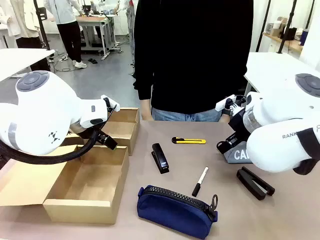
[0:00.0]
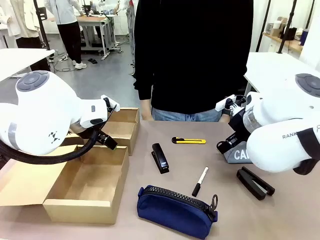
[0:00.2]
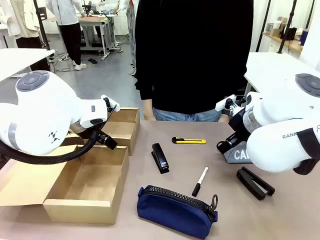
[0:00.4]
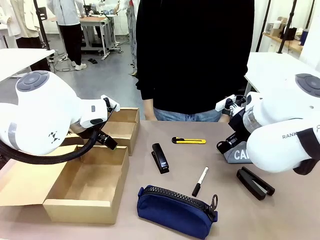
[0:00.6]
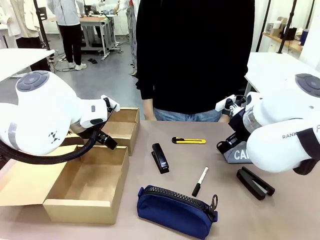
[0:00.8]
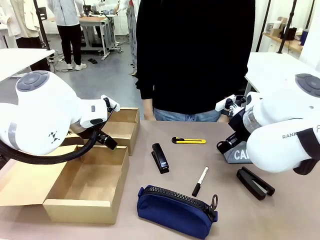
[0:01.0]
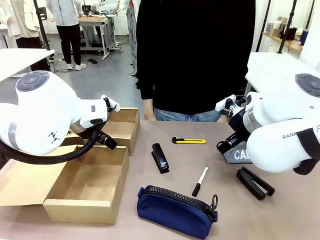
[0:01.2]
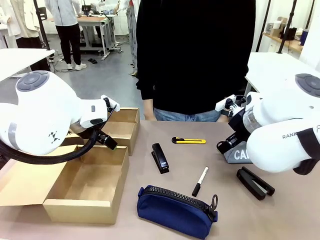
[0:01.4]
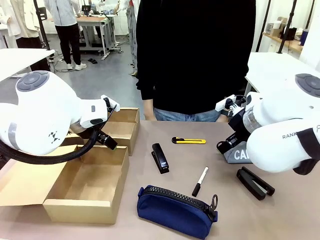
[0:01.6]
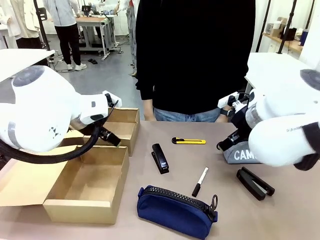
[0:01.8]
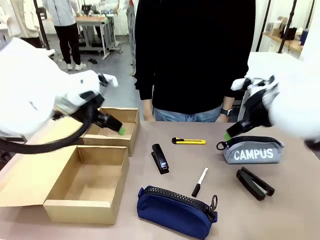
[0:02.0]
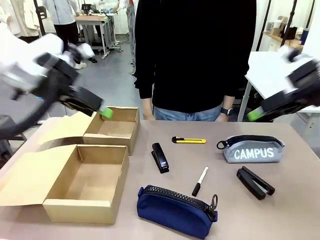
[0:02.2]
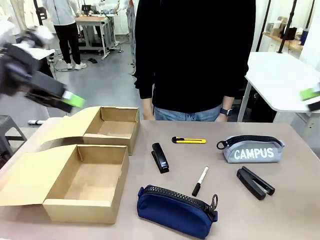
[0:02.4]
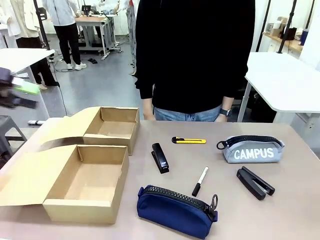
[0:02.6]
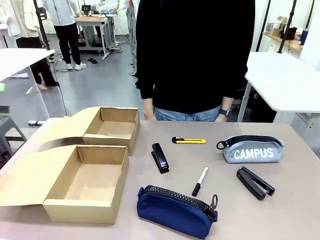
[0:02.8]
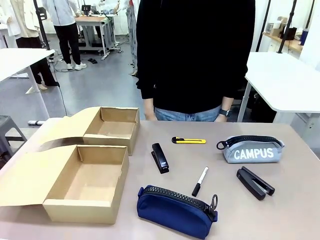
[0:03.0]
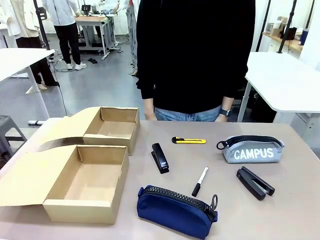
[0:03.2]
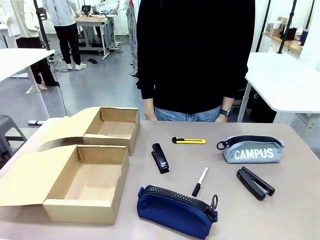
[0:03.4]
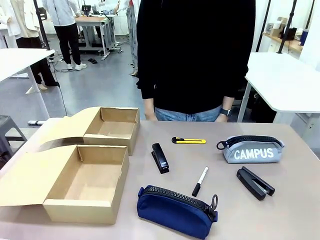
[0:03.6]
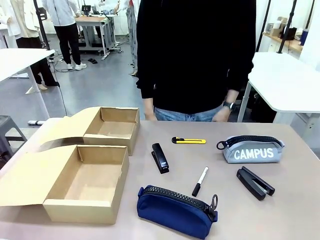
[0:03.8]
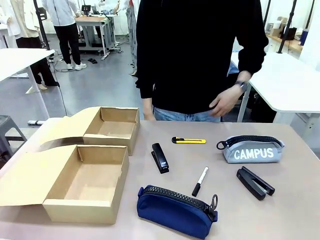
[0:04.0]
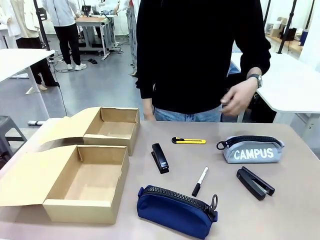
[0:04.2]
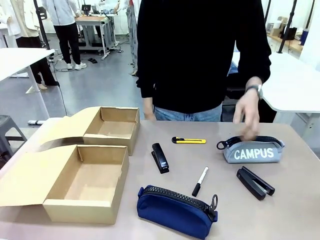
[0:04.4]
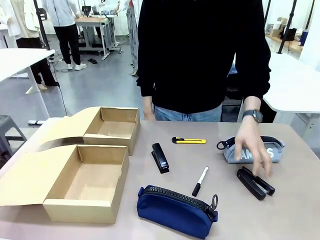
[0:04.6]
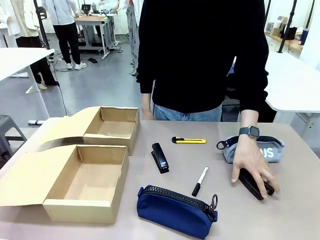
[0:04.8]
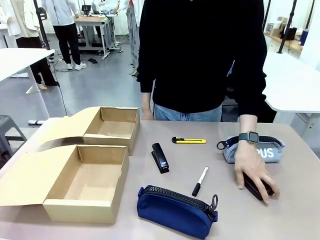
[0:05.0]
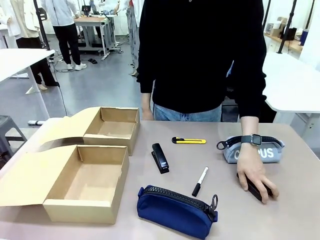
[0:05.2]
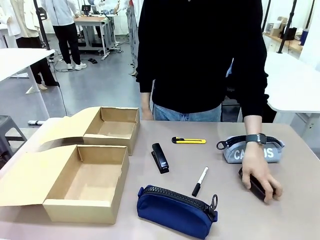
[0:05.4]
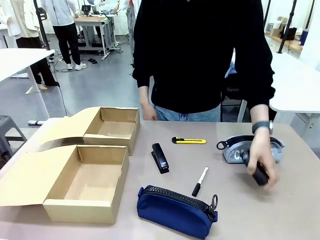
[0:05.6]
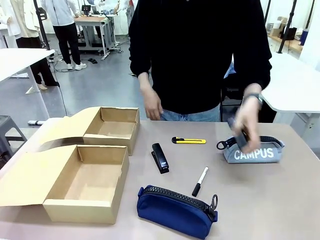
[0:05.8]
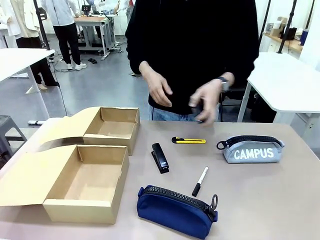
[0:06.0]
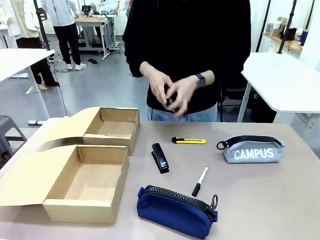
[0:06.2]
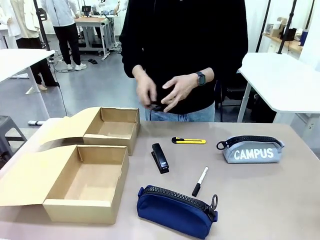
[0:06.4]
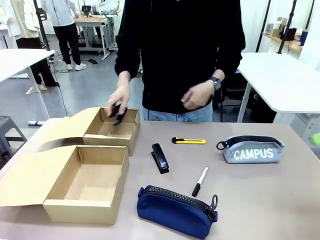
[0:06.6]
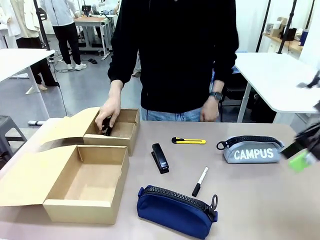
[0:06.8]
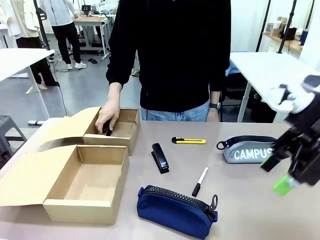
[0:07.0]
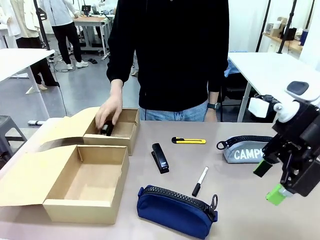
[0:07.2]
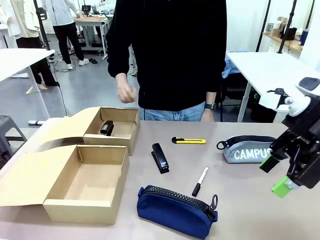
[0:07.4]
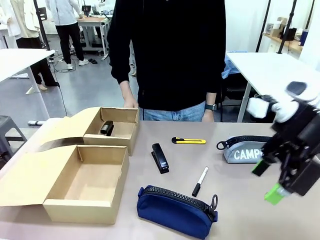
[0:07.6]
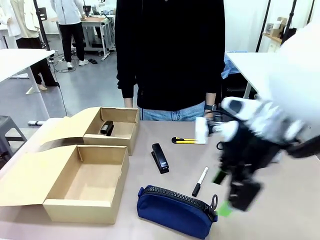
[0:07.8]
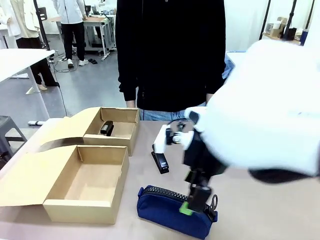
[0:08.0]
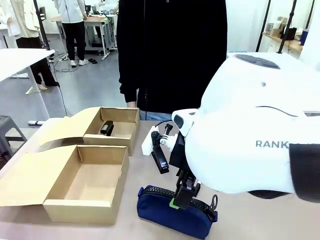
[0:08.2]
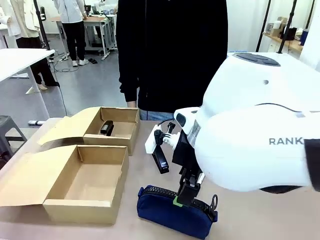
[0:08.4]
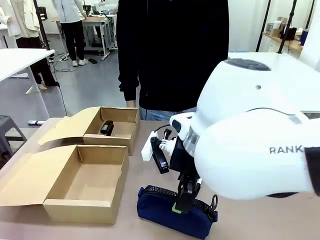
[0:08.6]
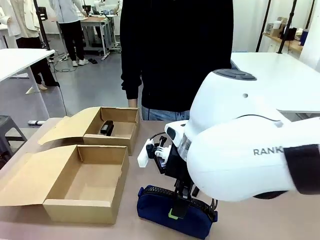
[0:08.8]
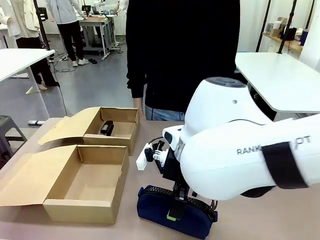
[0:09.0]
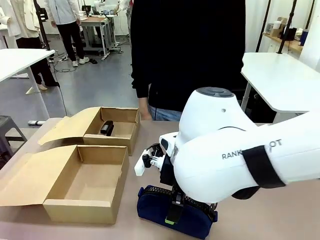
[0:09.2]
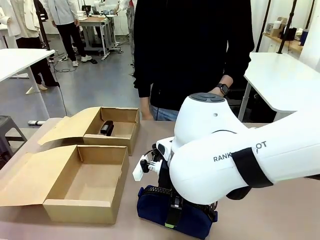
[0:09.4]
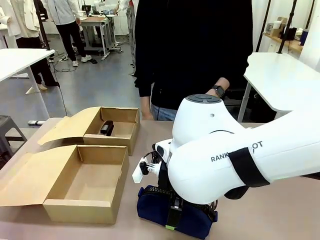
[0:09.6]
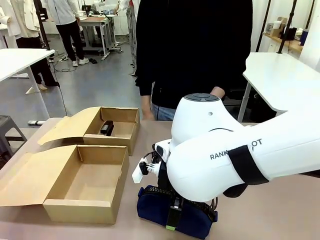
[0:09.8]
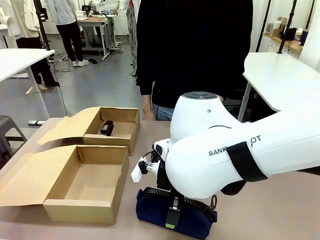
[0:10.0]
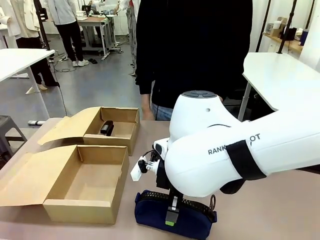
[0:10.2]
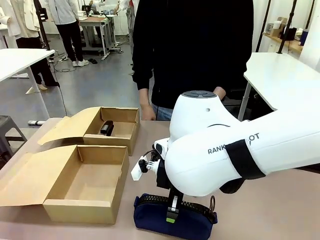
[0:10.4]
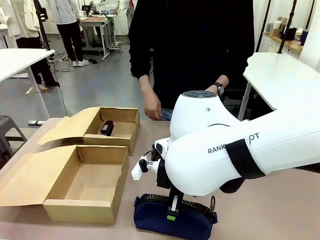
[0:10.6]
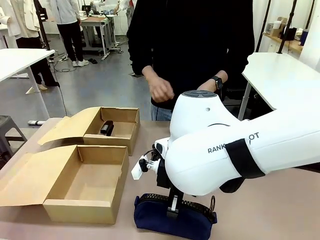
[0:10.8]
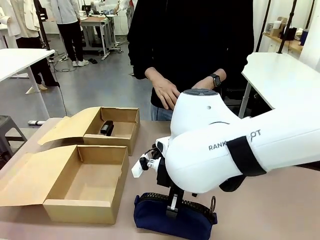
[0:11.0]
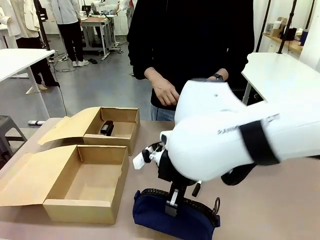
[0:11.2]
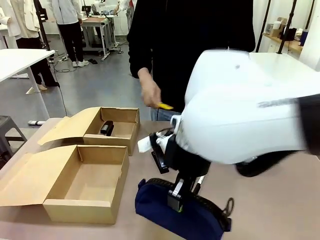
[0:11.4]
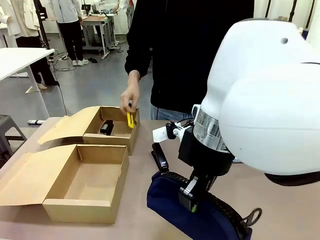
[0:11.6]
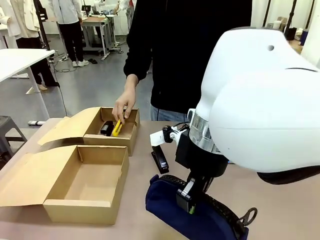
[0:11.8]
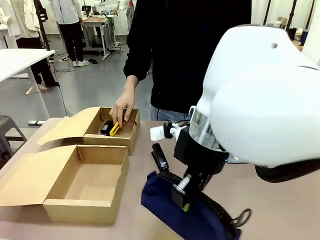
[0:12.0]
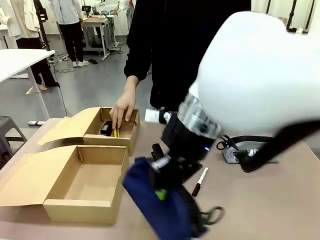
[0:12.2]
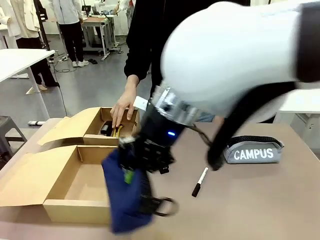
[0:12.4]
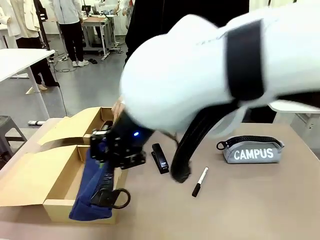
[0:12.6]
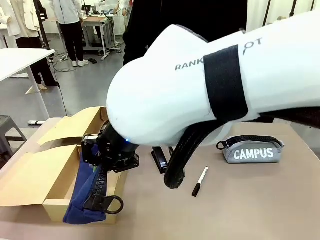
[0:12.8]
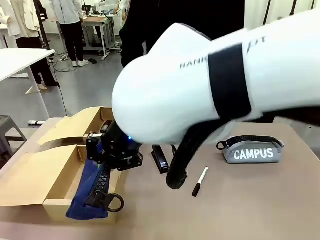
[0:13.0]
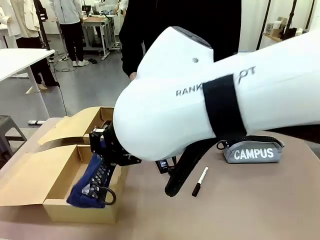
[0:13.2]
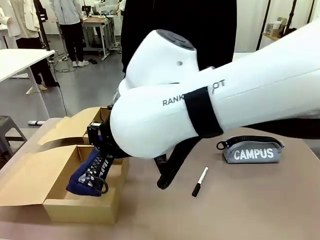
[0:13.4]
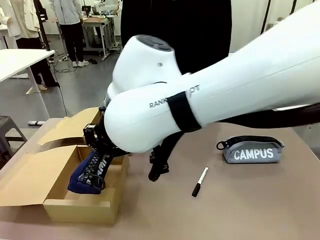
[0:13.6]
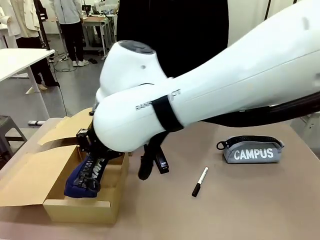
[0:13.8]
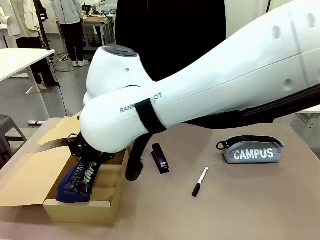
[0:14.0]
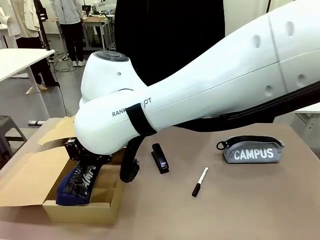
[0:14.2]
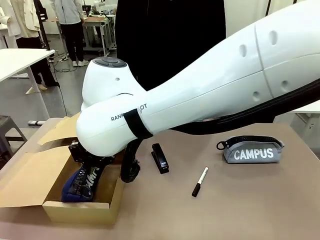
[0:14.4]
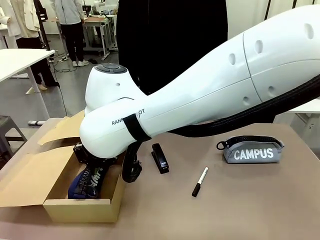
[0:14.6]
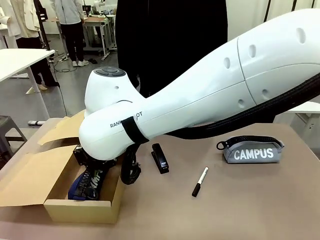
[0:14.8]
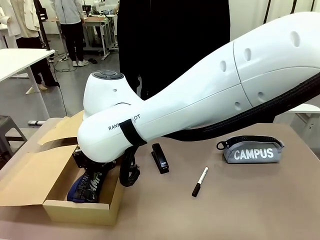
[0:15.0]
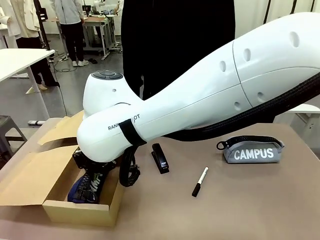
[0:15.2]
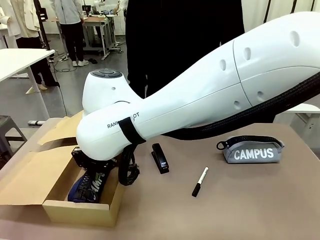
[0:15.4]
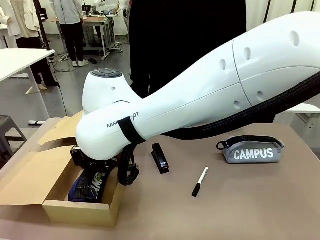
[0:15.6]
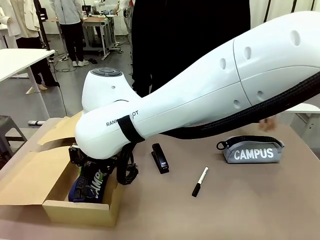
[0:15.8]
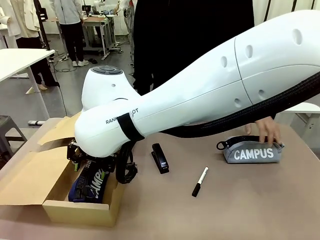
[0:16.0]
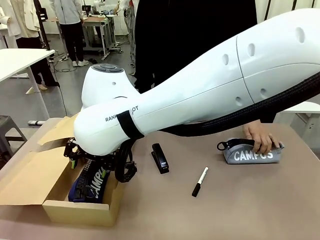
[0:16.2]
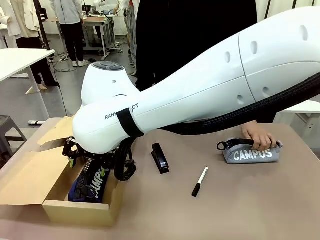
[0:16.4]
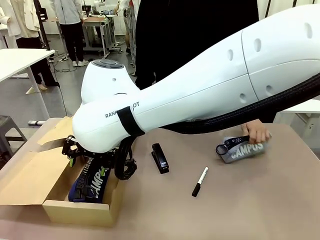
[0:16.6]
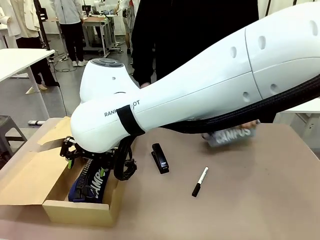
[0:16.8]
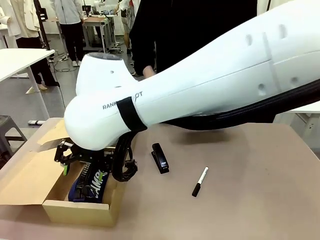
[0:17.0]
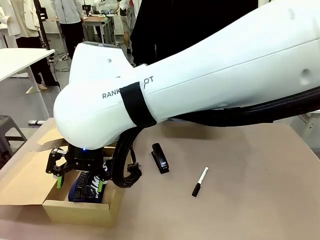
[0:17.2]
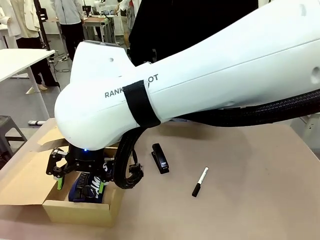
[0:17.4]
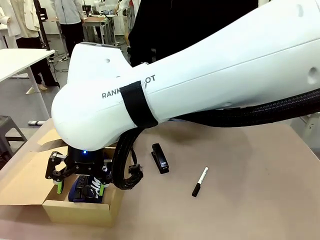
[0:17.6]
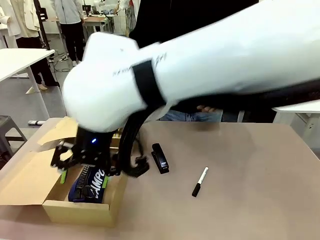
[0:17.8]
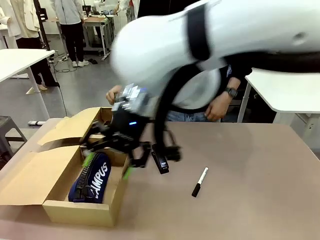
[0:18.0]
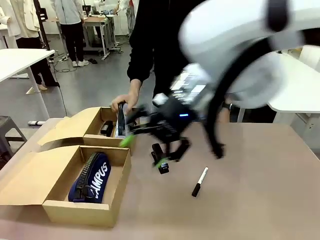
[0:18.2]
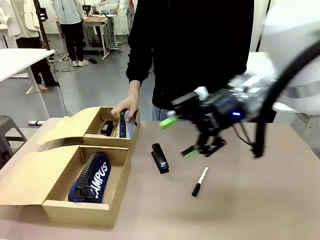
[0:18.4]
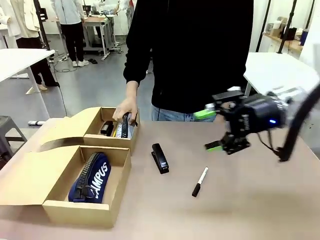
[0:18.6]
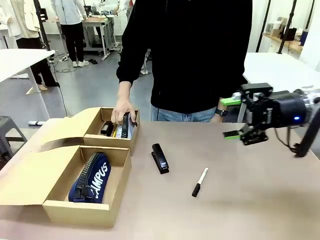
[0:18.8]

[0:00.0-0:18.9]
Task: Place items inside the box.
Robot: Pick up a Pencil pouch or Stapler and place it inside the Mailer Box closest to the robot.
Person: Pick up an object on the table and put it in the box.
